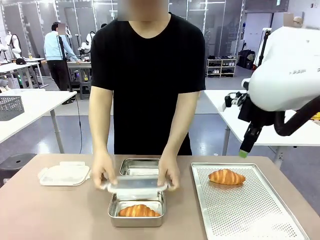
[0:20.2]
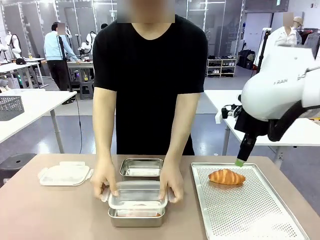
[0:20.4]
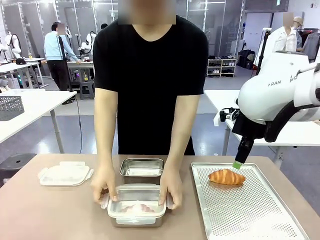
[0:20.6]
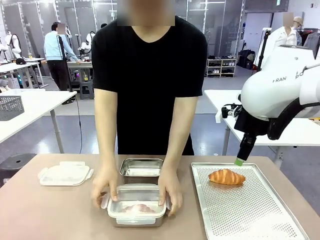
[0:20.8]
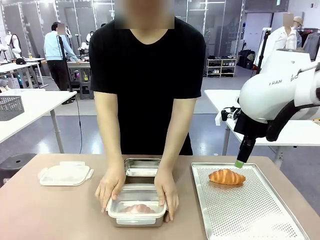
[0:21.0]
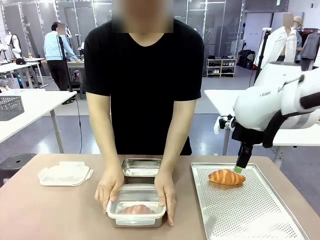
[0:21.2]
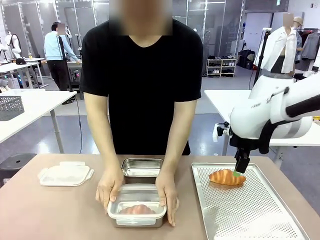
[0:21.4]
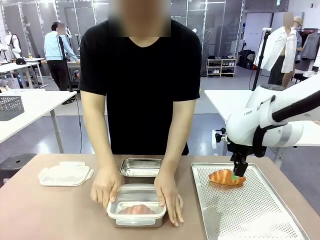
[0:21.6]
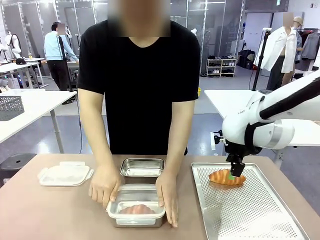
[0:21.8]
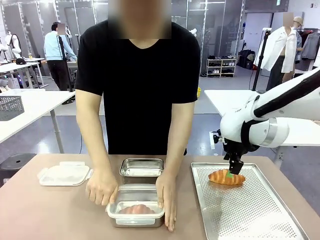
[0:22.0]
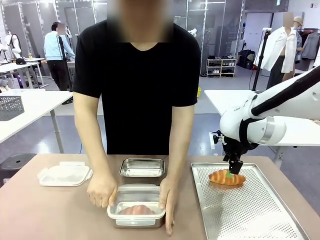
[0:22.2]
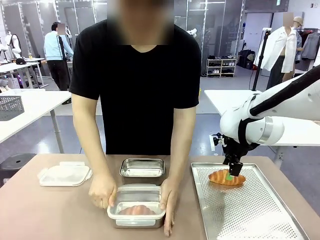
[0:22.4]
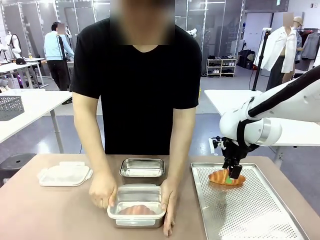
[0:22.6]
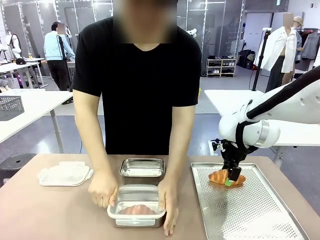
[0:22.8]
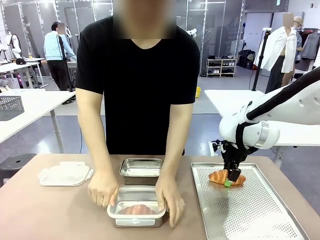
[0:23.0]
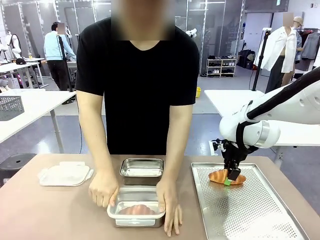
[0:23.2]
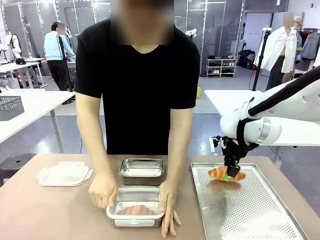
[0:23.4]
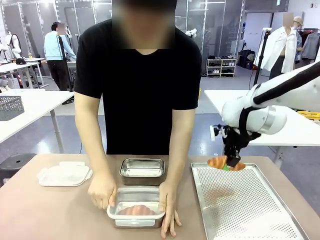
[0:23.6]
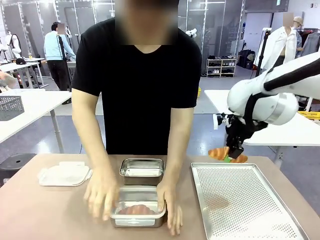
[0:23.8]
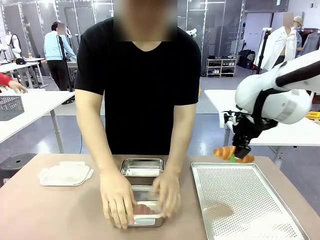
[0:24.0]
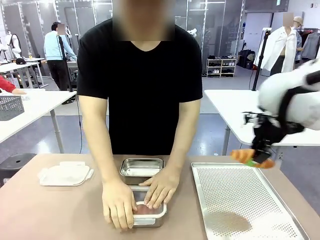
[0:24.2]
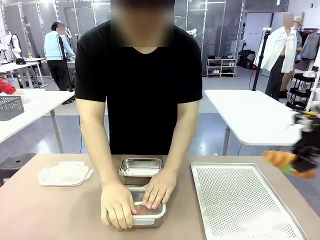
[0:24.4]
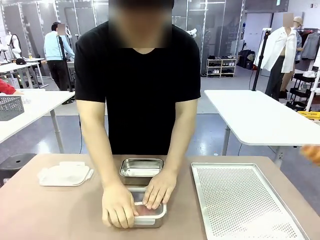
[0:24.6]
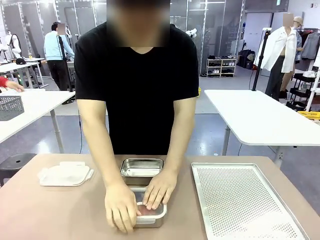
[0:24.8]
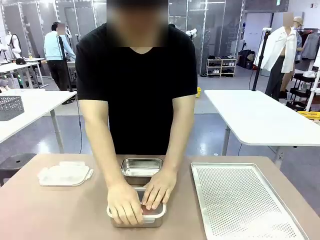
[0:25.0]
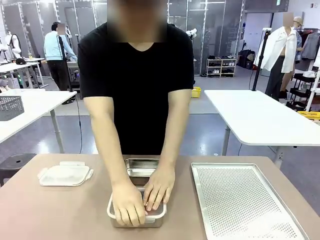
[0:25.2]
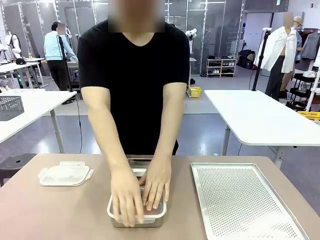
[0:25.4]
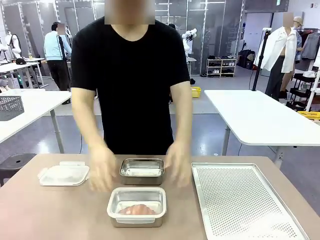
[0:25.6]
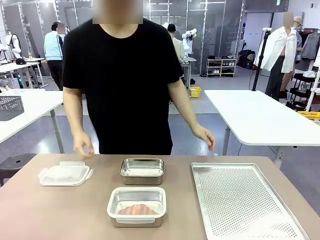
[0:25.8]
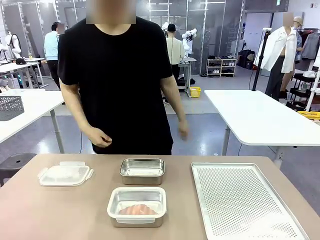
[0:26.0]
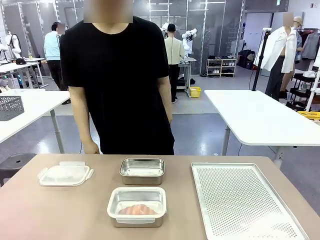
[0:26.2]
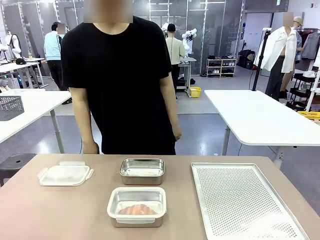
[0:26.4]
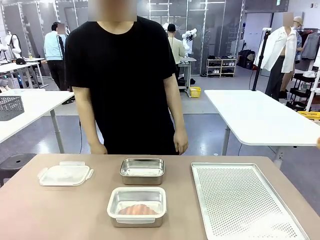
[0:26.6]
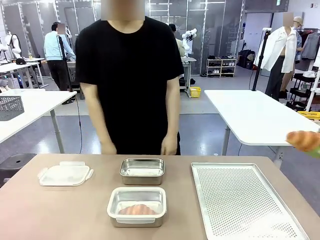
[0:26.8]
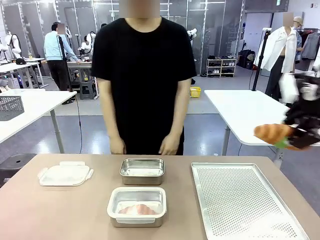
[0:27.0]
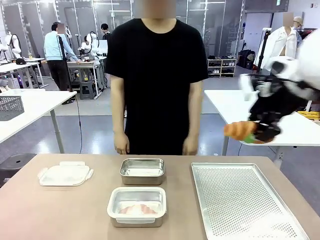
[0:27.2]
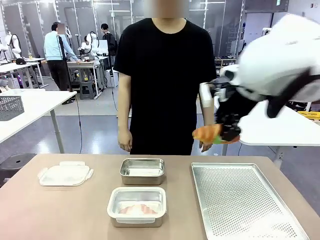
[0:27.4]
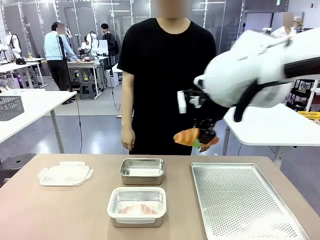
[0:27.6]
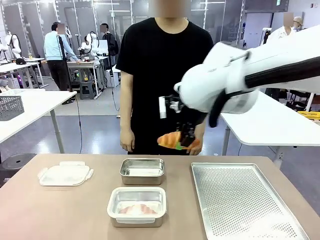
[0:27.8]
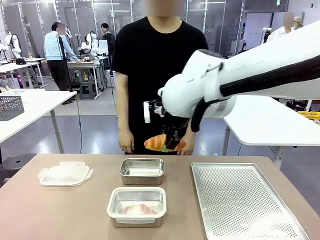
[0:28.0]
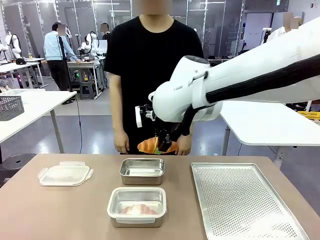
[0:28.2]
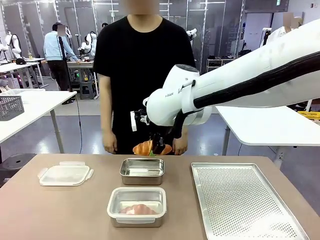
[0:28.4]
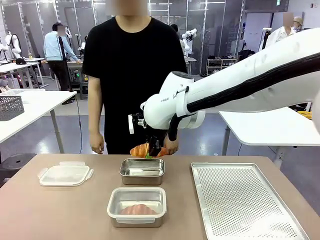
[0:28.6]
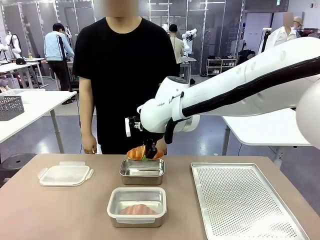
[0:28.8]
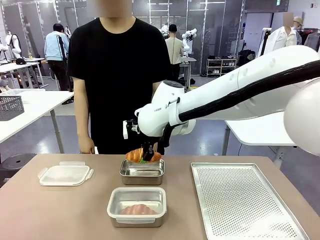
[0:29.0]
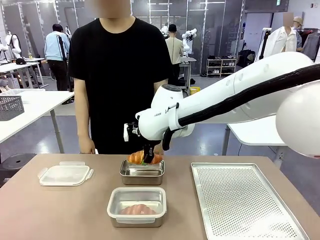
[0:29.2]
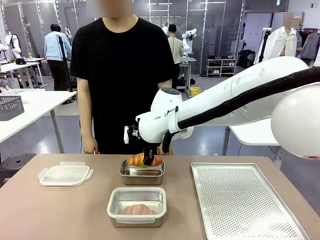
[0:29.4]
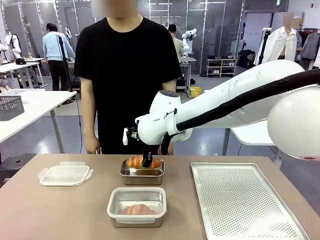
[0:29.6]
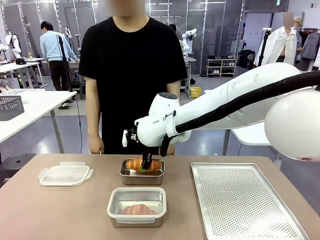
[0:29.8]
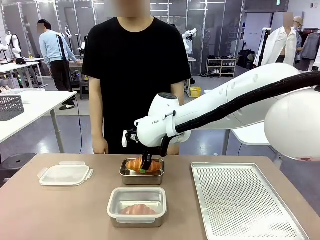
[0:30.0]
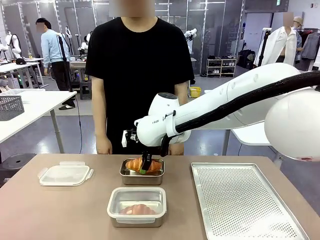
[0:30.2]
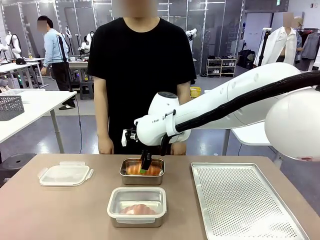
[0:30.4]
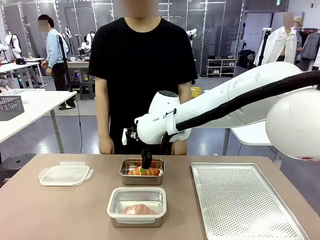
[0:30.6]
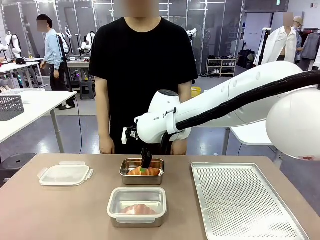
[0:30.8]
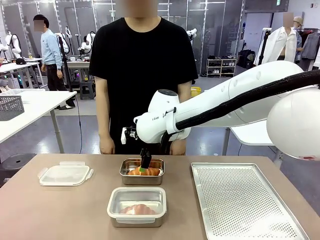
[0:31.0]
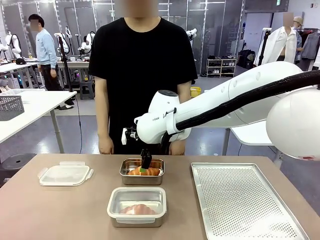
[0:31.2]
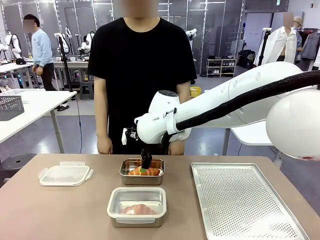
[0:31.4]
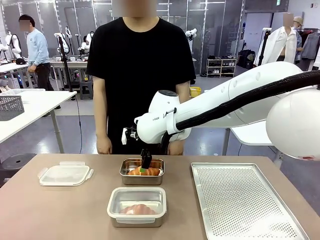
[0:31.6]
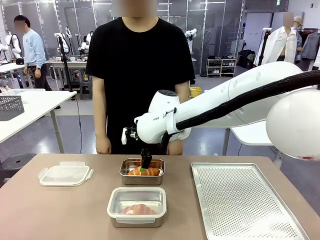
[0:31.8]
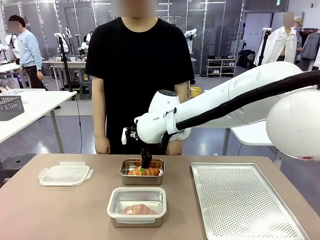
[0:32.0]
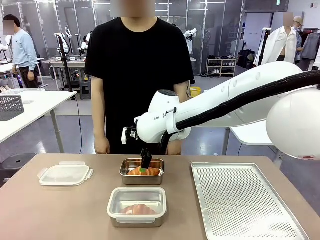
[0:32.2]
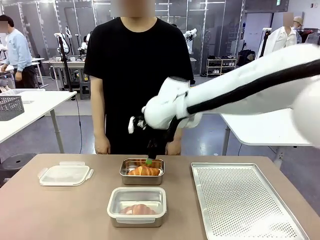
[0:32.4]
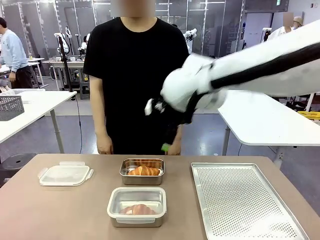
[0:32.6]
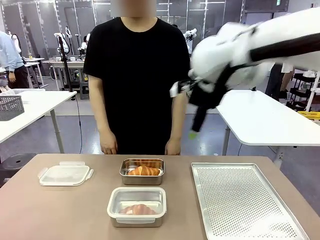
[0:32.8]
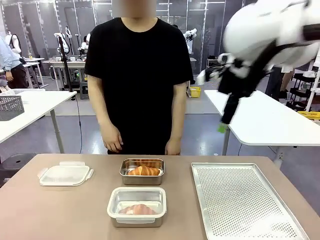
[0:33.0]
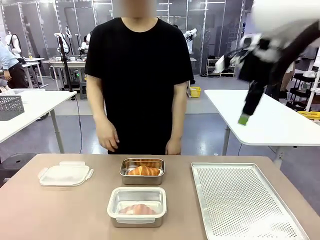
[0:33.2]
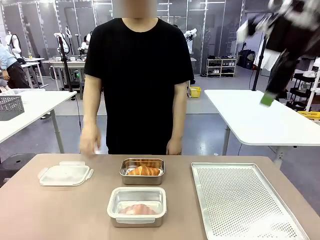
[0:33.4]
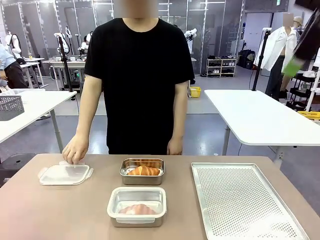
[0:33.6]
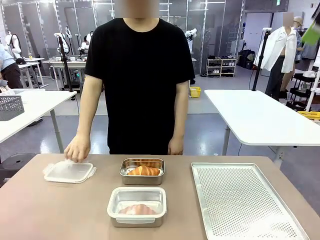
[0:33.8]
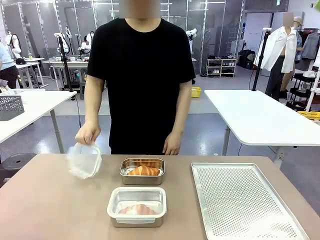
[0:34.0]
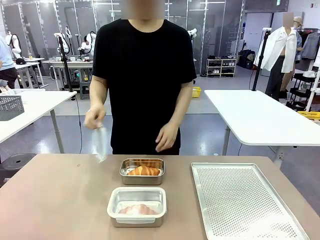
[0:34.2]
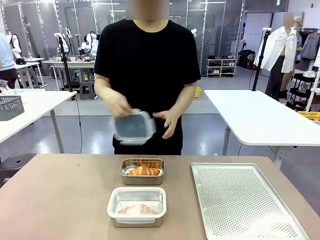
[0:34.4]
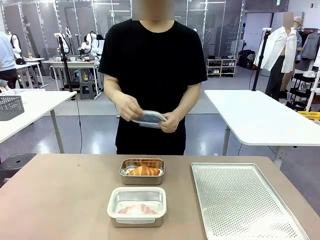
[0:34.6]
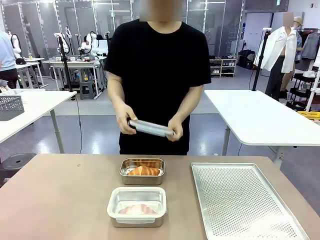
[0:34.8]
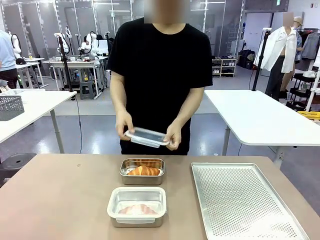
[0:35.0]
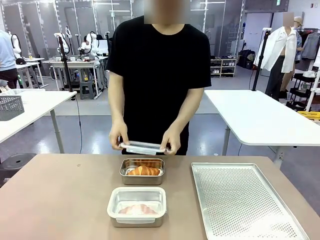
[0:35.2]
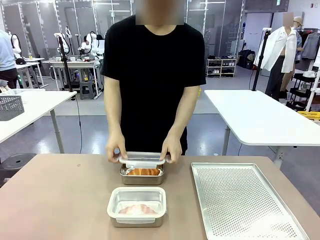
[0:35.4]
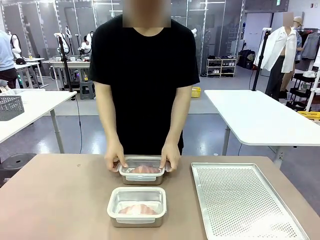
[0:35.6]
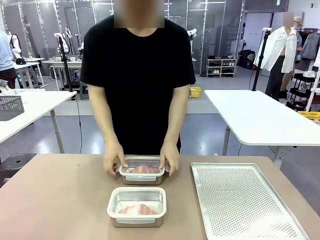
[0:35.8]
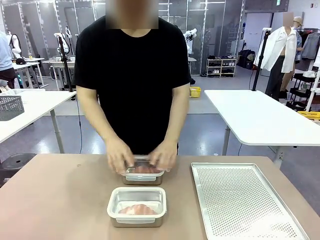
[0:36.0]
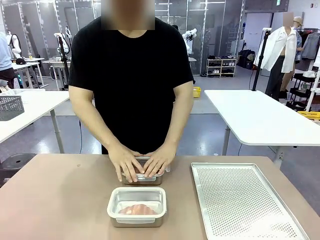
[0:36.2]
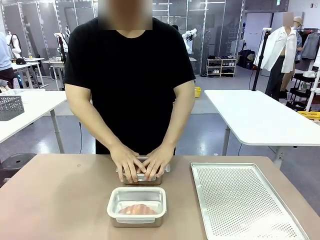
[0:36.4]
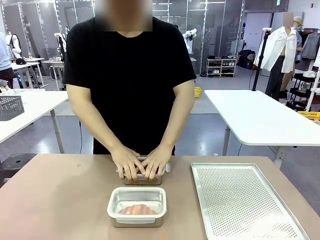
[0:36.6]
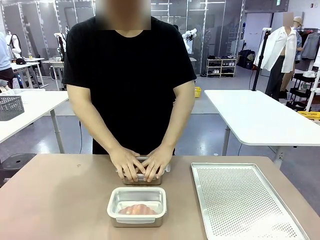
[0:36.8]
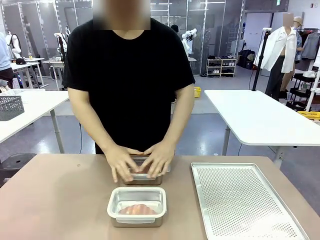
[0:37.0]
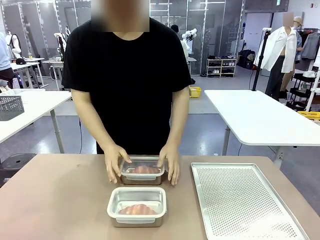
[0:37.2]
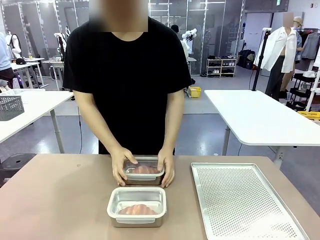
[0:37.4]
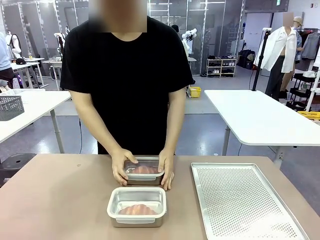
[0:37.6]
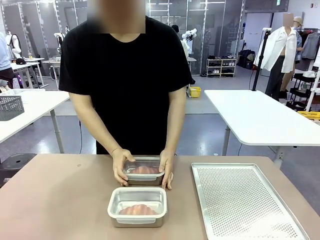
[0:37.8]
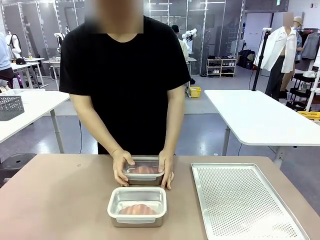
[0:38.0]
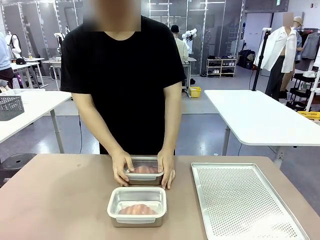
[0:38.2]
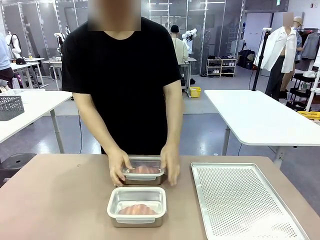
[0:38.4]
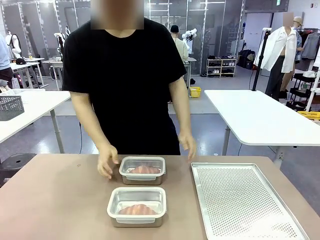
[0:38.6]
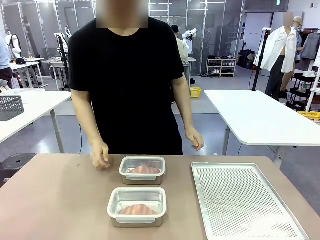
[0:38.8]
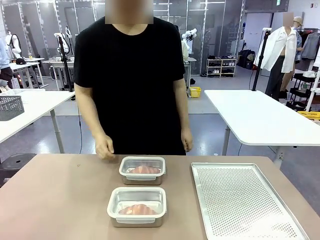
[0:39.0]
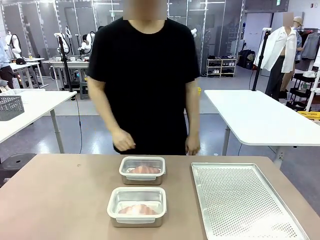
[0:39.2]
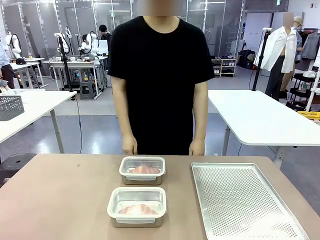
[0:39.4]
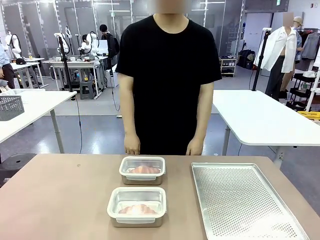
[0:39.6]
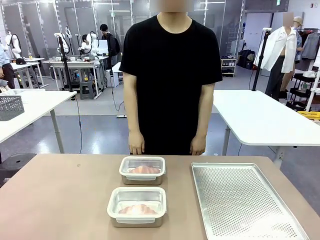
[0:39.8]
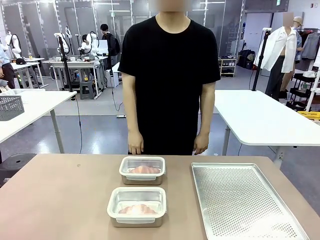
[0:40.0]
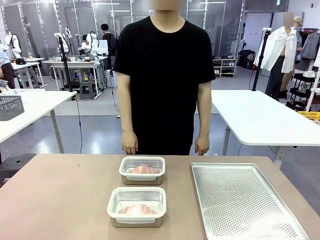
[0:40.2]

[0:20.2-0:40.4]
Task: Place the bread into the airtight container.
Robot: Pick up a Butter Roll and place it into an empty Airtight Container.
